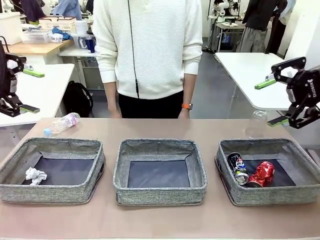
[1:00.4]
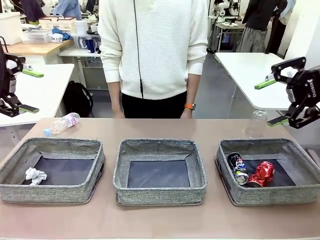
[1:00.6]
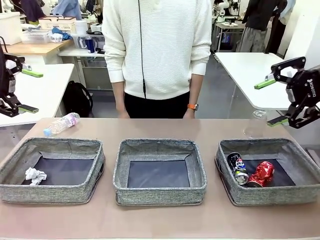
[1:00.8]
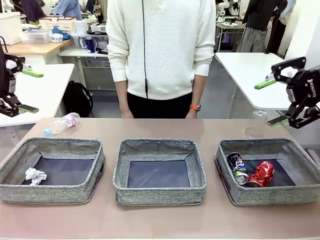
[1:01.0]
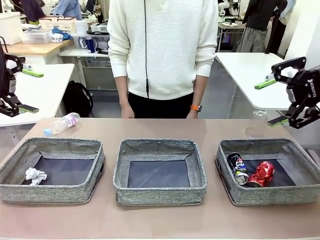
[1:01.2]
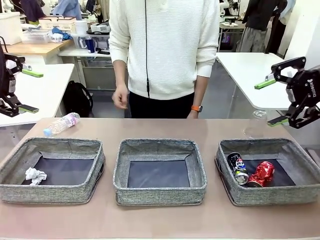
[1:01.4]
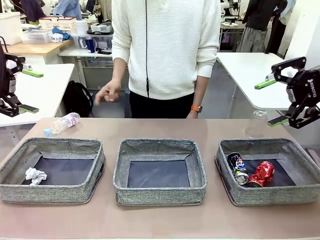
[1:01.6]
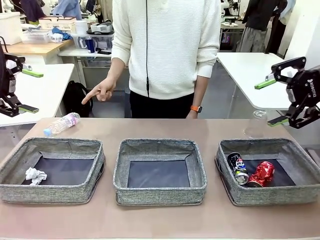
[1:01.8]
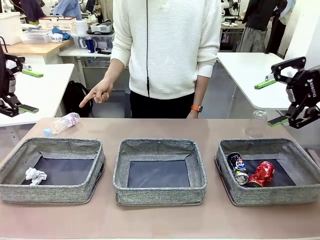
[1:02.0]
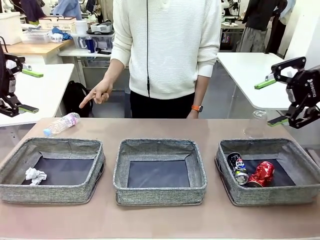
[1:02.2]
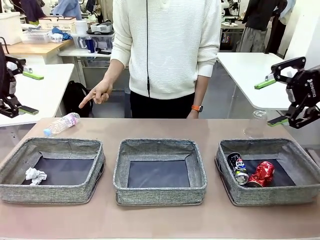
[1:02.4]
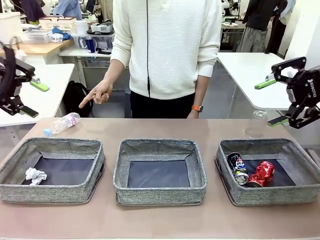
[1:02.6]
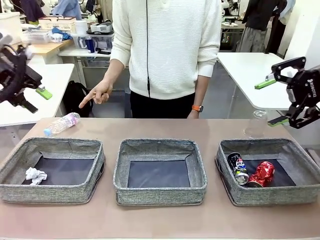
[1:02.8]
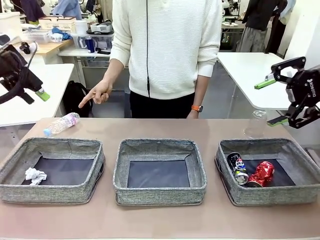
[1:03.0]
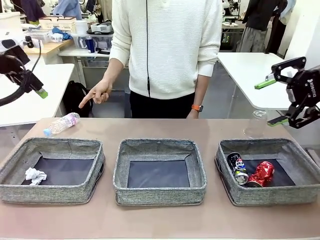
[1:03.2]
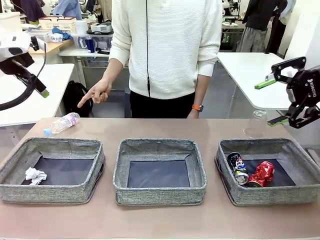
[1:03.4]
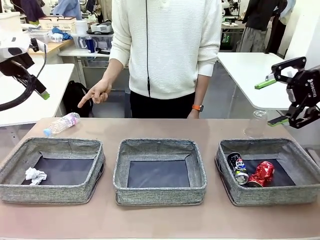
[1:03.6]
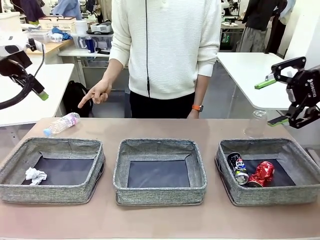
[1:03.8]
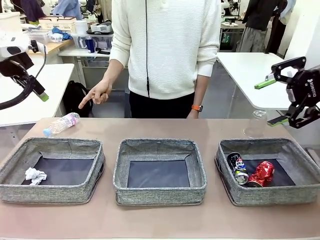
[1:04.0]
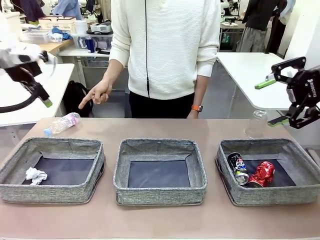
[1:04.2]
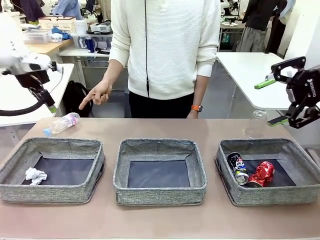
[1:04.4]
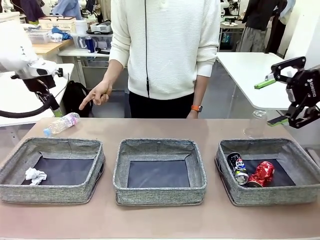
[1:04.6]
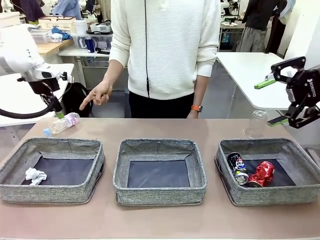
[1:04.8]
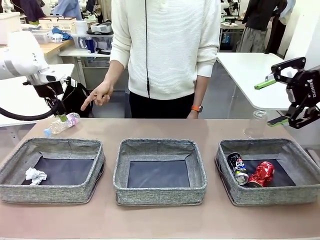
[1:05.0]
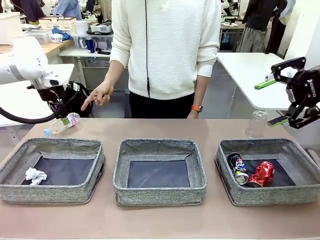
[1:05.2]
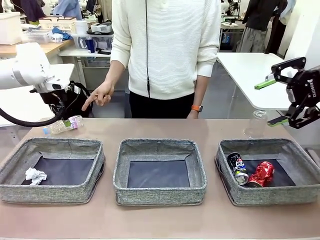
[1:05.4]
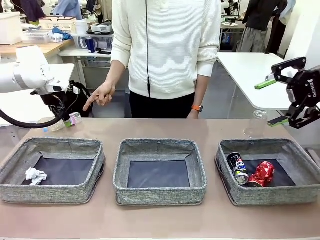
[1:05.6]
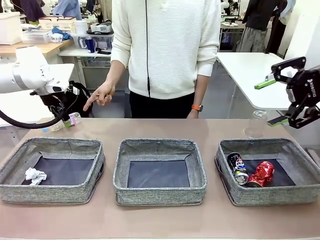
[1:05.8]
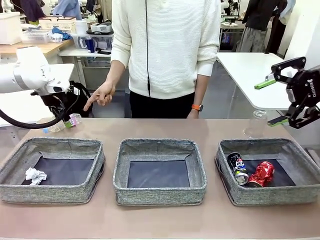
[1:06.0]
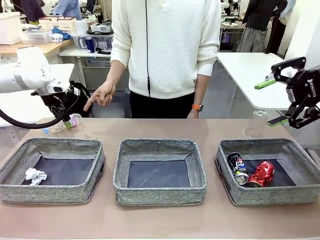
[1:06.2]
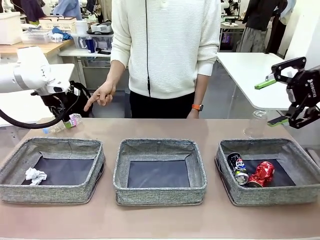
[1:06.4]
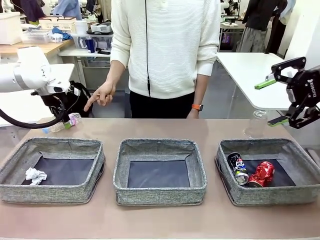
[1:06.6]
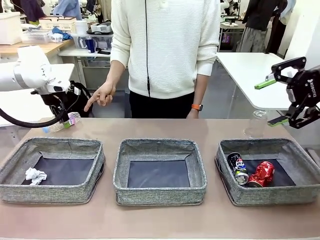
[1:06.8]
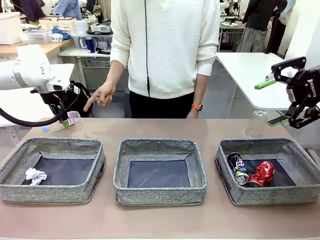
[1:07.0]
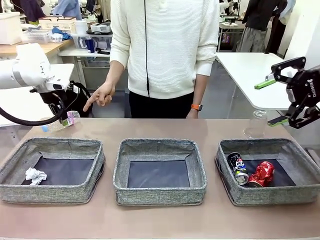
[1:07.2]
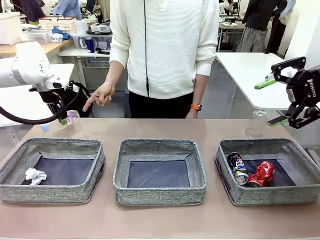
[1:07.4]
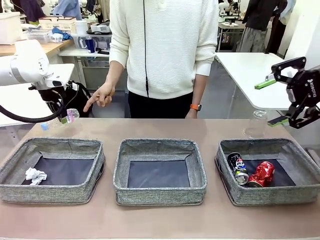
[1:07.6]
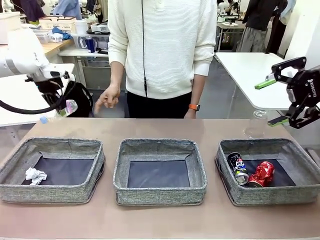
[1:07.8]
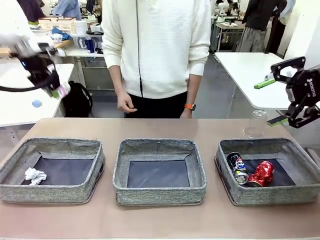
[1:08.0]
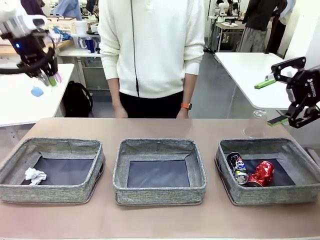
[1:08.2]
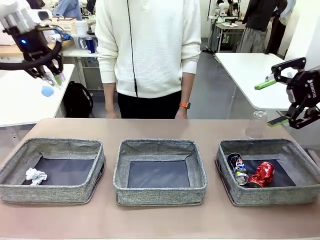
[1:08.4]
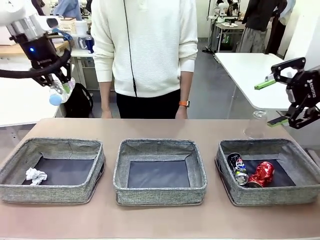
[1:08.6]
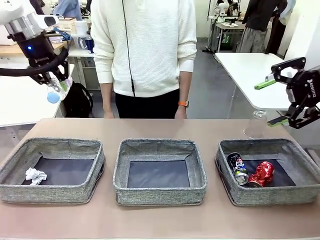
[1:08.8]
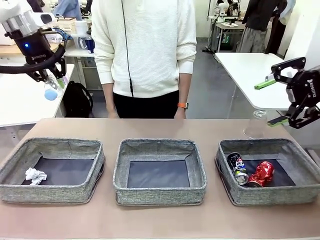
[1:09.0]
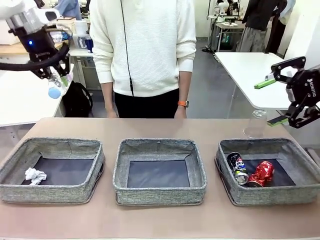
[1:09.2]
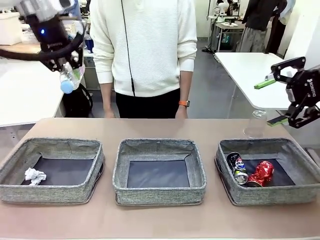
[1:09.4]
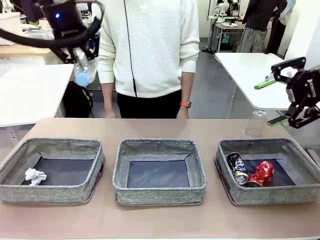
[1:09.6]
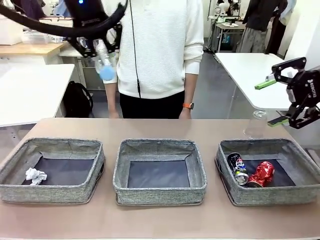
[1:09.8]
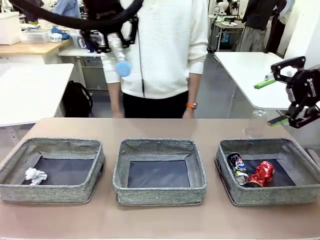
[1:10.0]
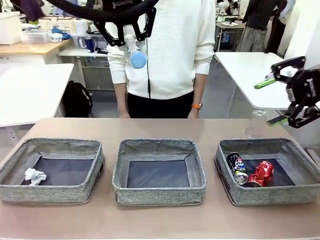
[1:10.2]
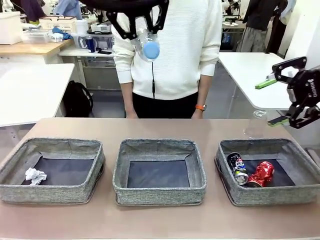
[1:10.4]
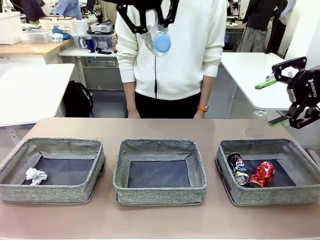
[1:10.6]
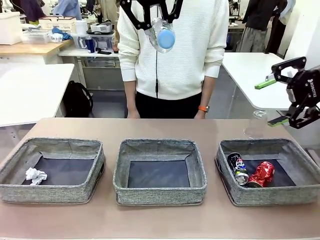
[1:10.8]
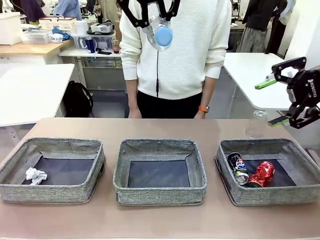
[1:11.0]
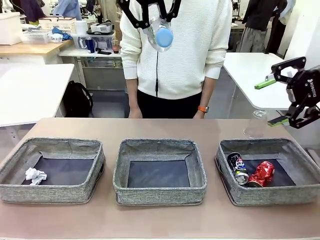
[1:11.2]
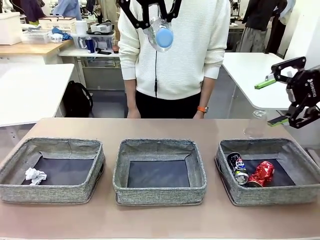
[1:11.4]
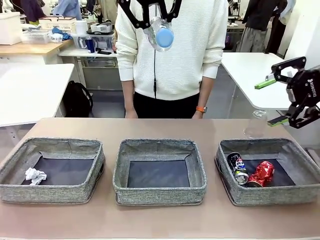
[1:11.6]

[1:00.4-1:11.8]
Task: Sort the waste into the appropriate baskets.
Robot: Pick up the waste item pointed out by the person.
Person: Points to one piece of trash on the table.

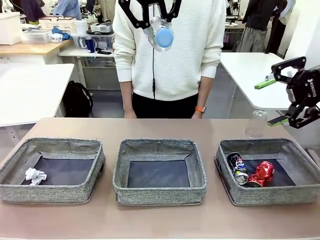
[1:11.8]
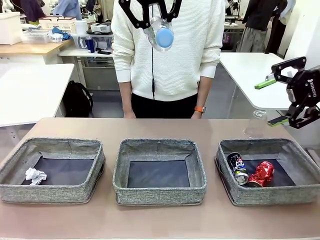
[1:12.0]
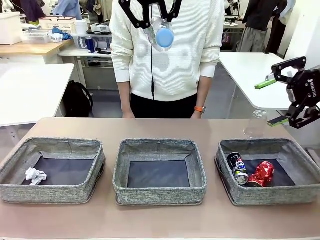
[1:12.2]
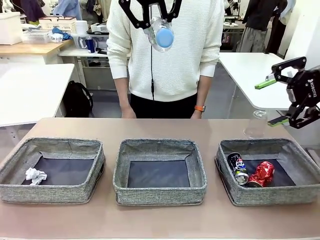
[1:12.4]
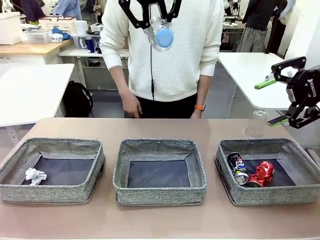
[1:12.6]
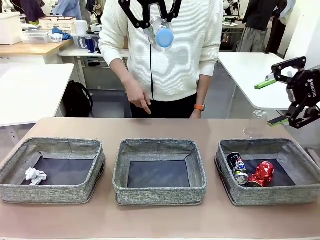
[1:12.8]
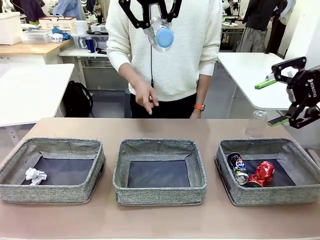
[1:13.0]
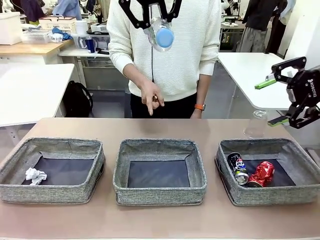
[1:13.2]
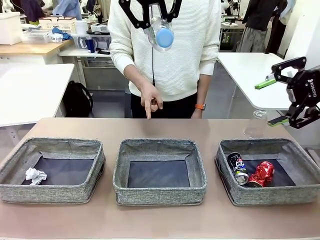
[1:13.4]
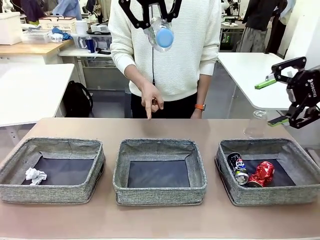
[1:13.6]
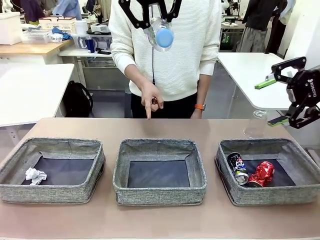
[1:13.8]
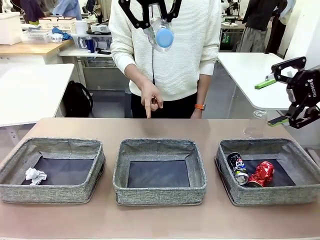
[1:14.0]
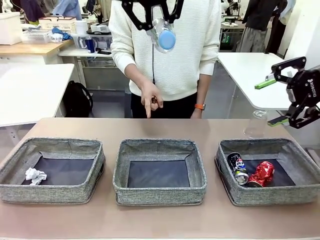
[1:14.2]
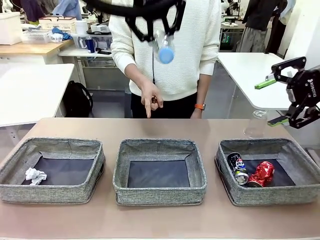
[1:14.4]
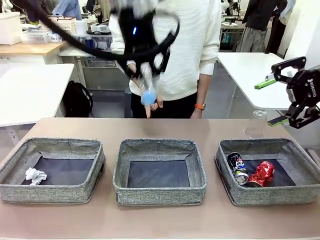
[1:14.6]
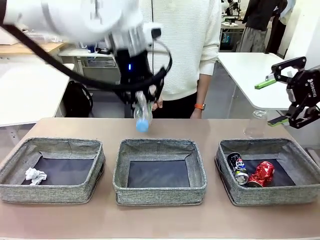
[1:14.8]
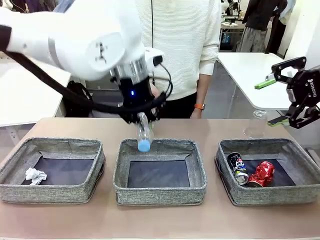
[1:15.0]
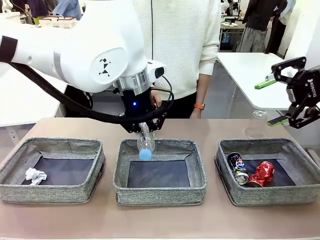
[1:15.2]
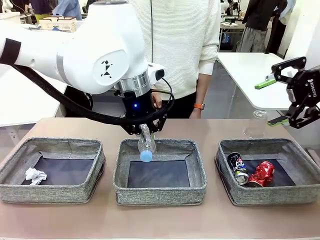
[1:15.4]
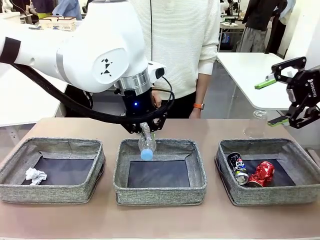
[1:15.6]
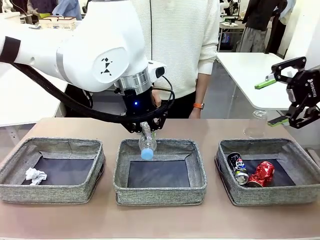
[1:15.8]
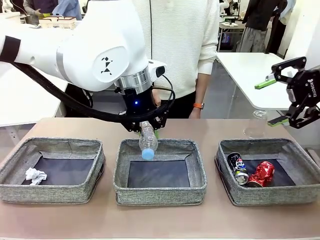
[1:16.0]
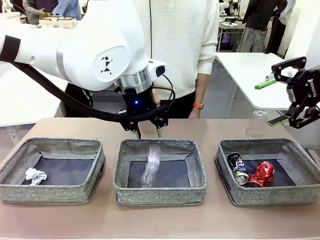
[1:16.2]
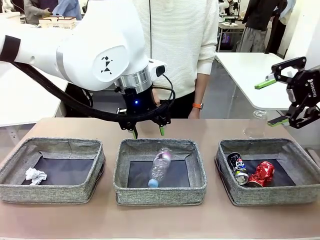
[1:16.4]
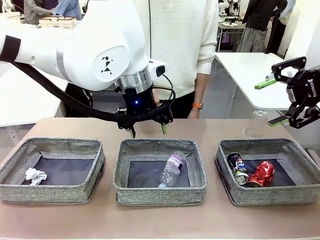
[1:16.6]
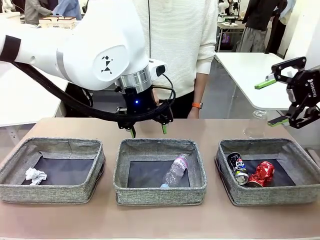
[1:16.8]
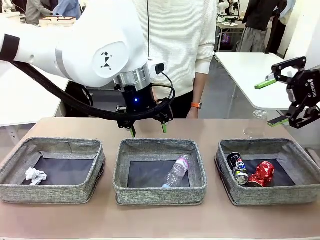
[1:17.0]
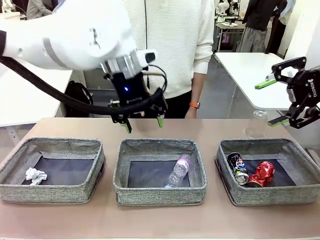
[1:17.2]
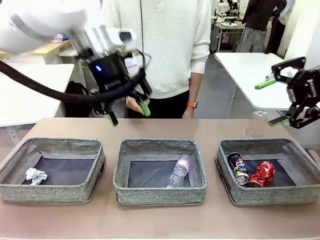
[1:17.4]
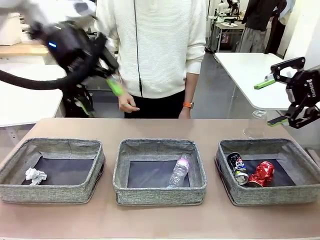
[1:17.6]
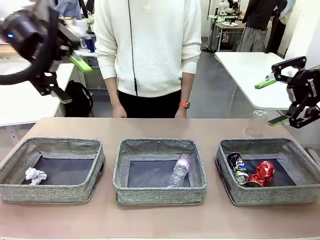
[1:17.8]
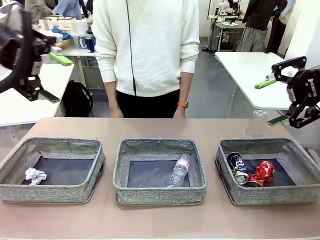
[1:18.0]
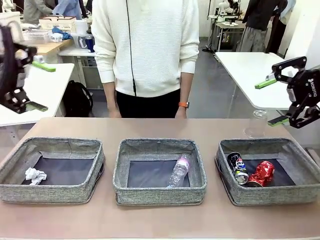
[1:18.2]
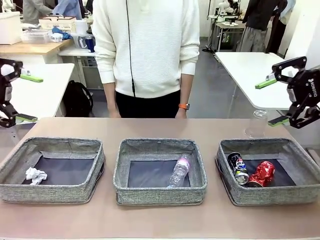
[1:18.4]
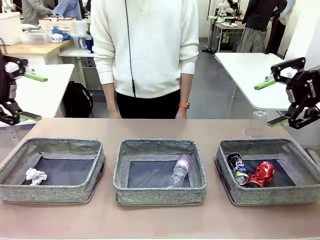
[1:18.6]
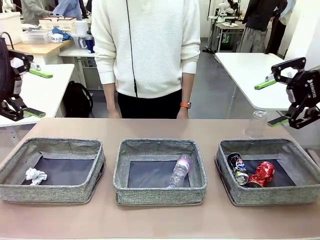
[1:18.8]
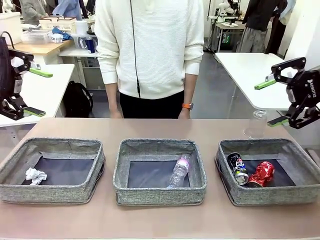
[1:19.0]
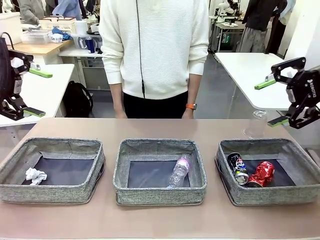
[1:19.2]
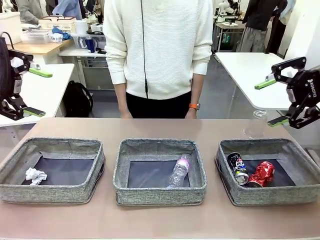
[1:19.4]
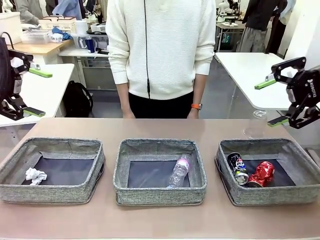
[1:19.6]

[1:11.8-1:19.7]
Robot: Place the picked waste into the Fabric basket indicated by the person.
Person: Instructs the robot to place the picked-up trash into the appropriate organizing basket.
